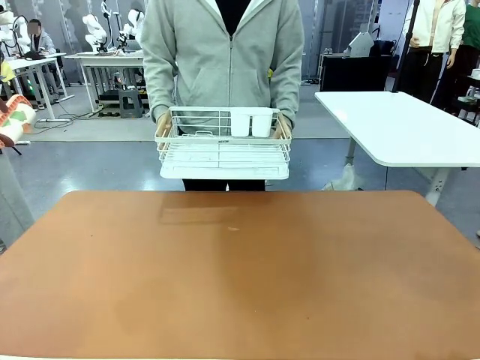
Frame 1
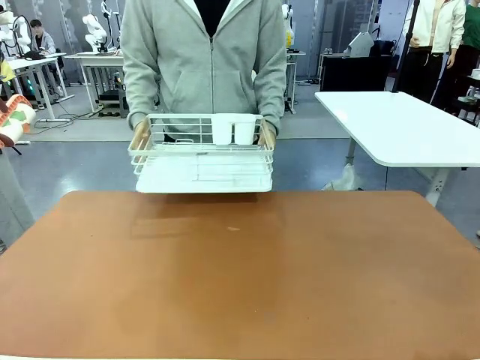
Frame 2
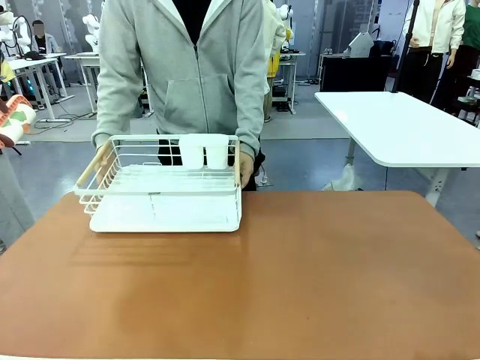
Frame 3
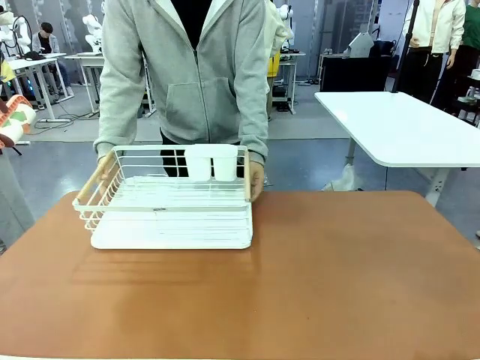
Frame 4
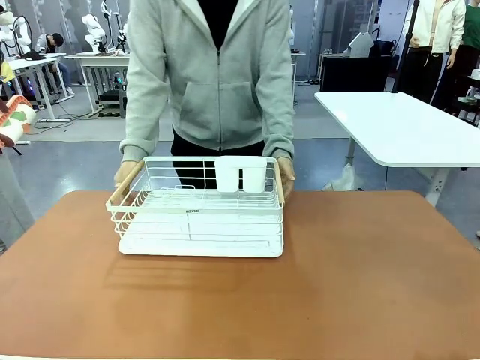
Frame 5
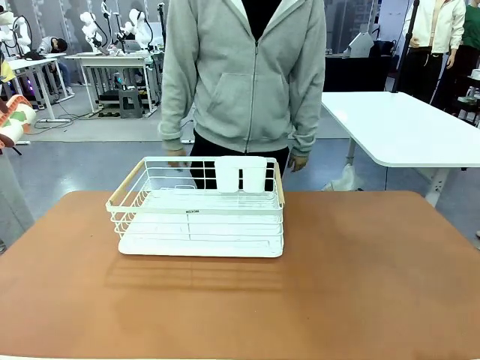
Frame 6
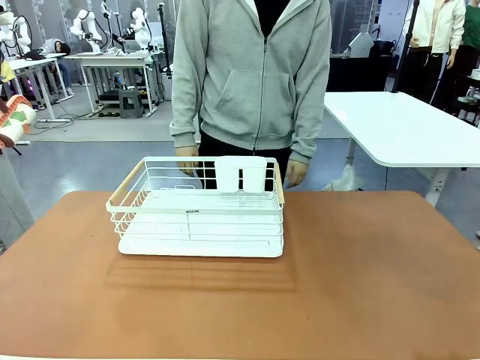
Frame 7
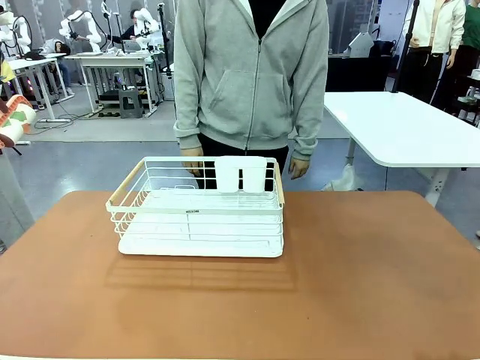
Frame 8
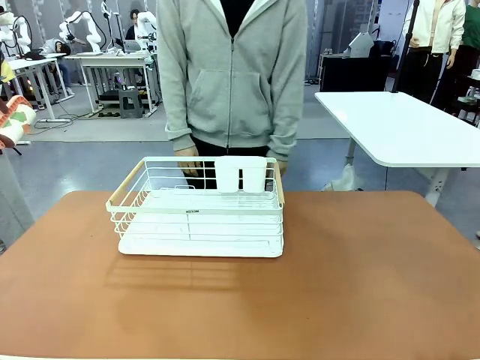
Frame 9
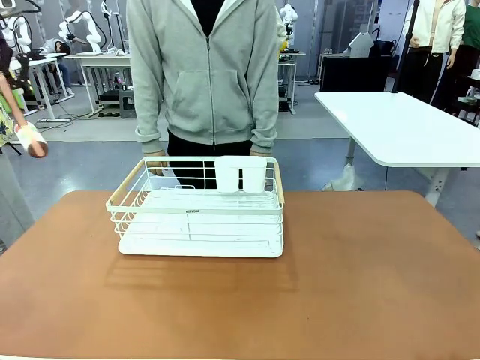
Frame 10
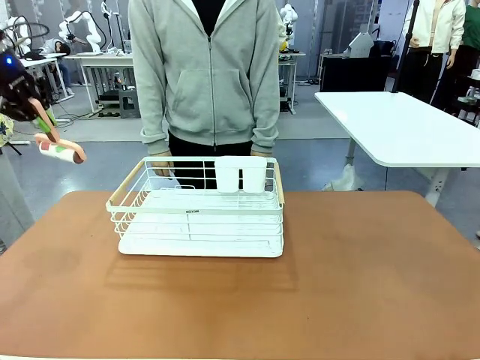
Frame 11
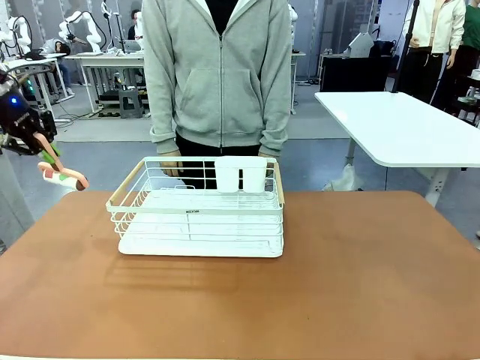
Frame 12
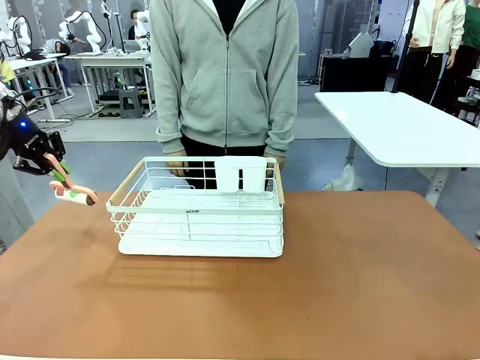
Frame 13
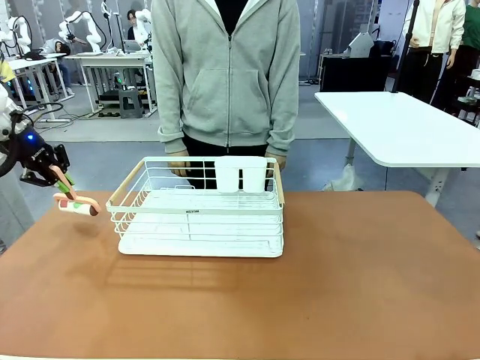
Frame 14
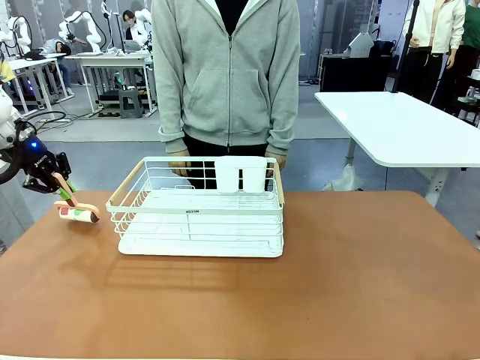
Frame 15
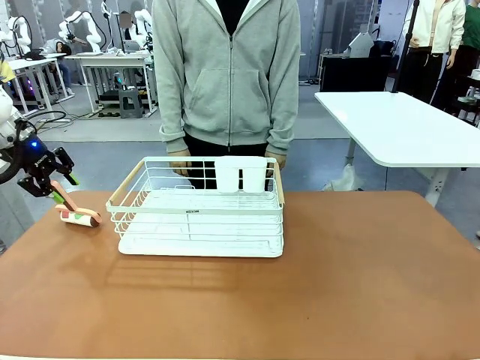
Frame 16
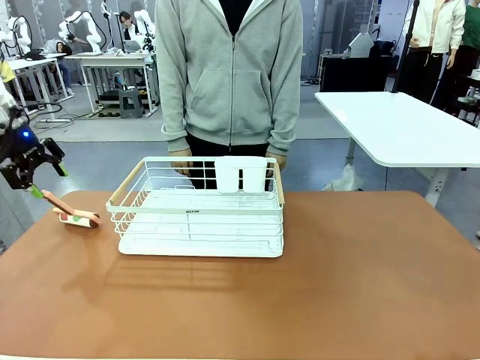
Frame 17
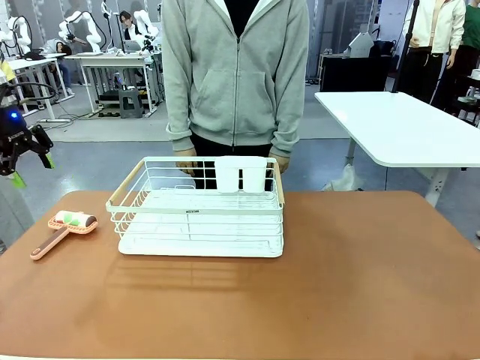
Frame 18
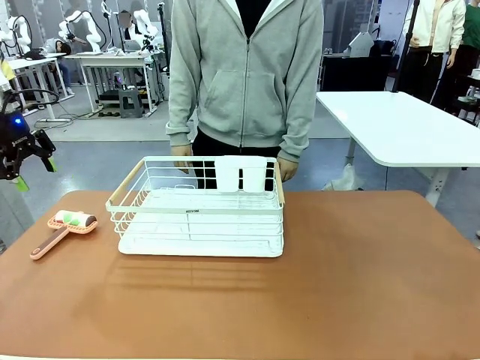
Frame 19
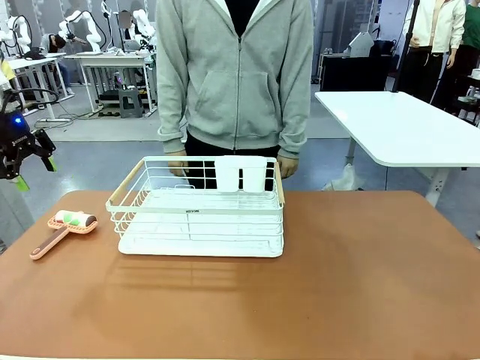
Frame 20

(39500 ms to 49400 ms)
Task: Clean the table.
Robot: Place the Lint Roller down when the Dish drying rack is positioned in the middle of the table.

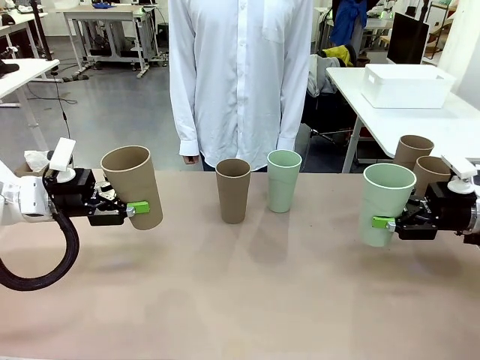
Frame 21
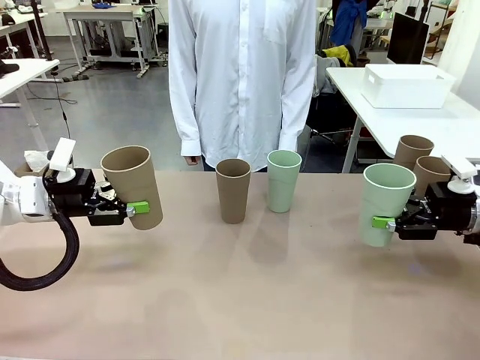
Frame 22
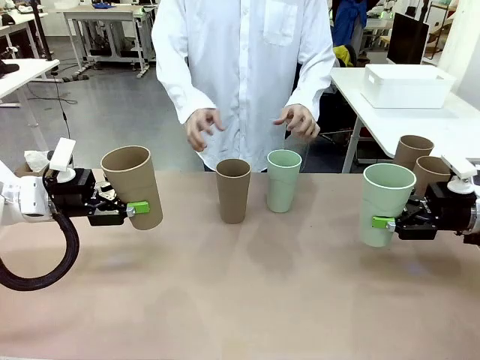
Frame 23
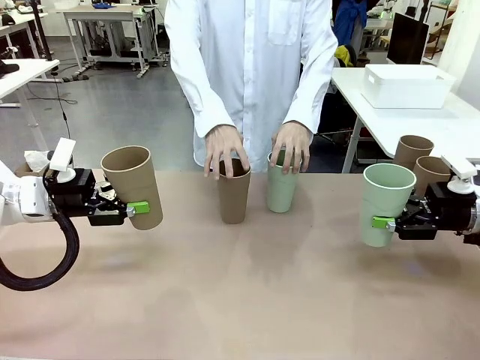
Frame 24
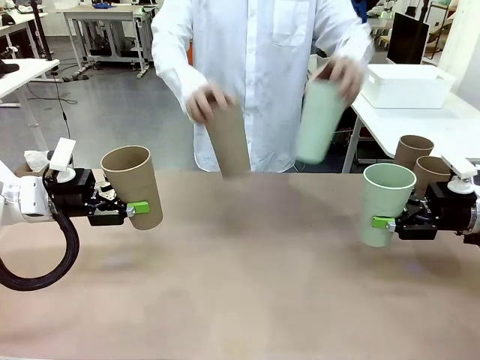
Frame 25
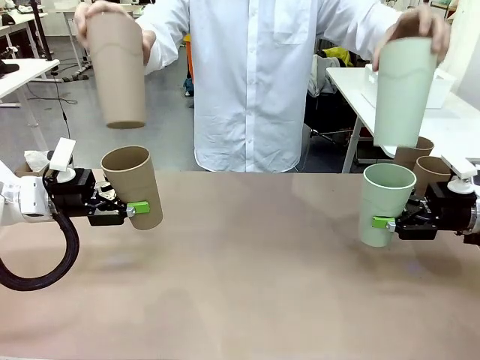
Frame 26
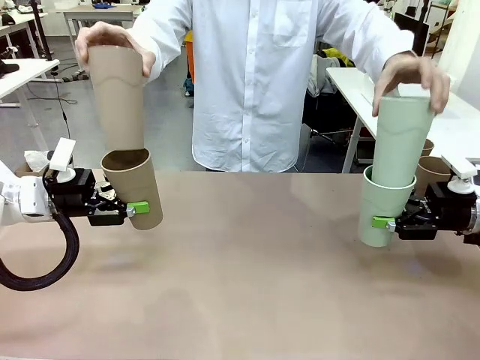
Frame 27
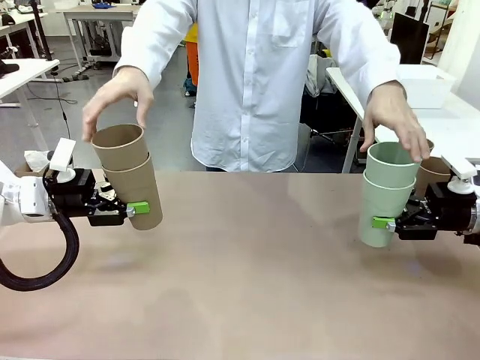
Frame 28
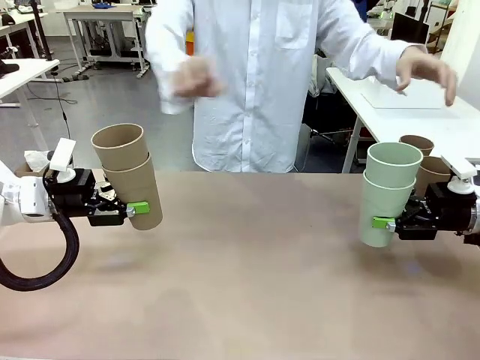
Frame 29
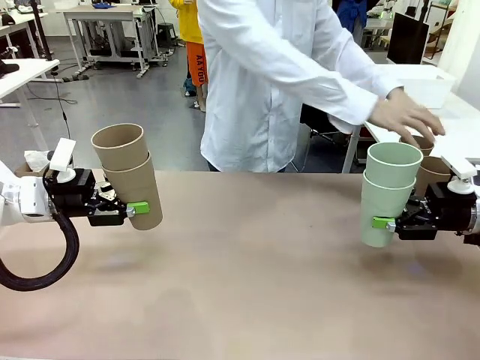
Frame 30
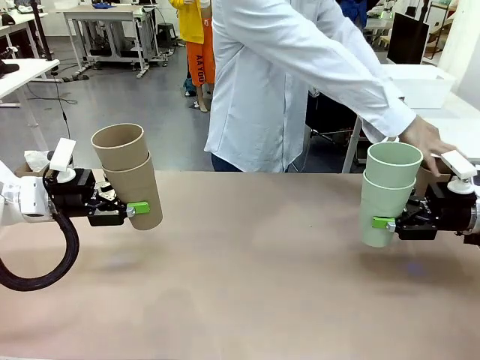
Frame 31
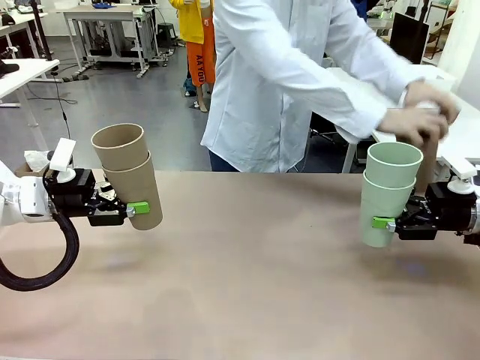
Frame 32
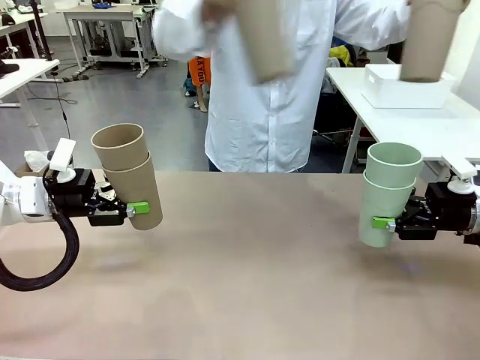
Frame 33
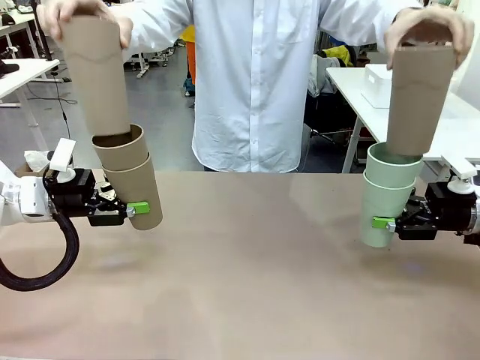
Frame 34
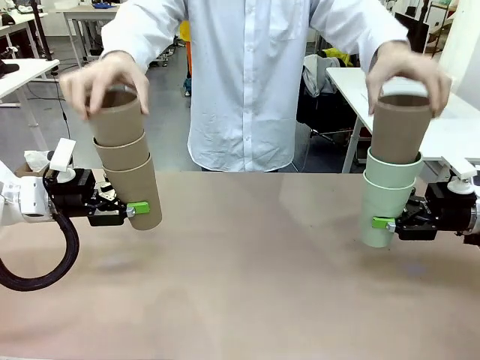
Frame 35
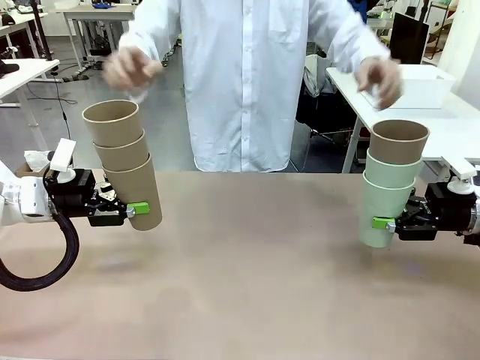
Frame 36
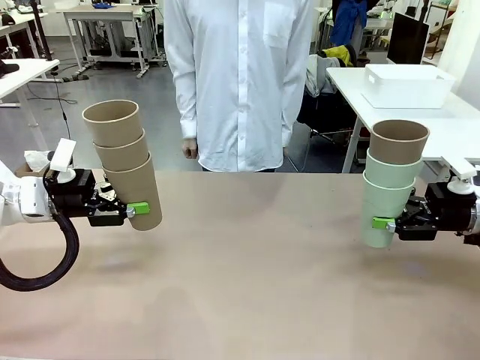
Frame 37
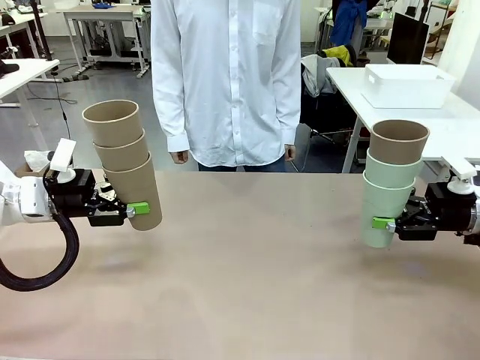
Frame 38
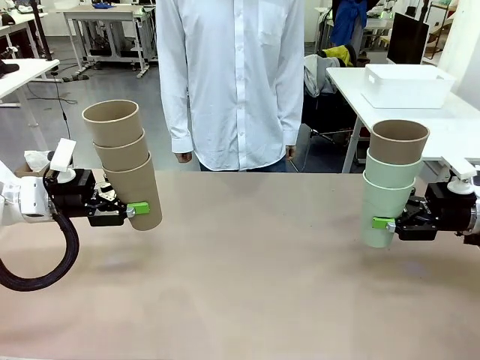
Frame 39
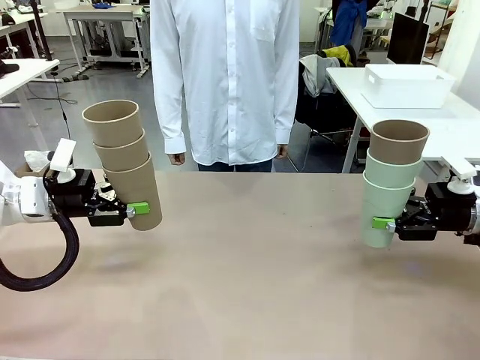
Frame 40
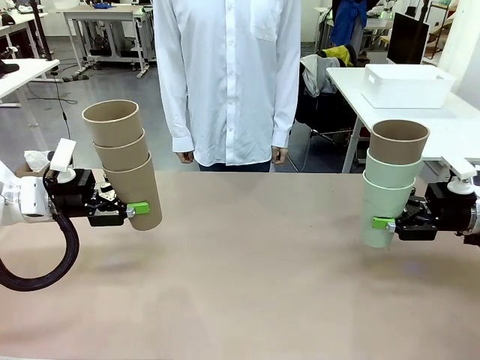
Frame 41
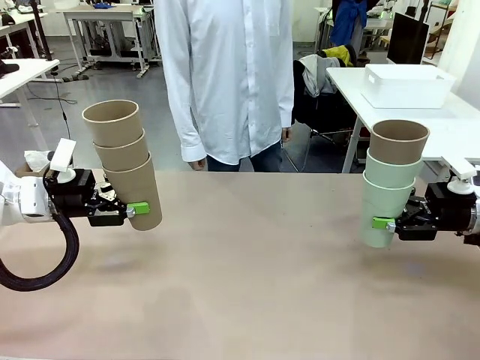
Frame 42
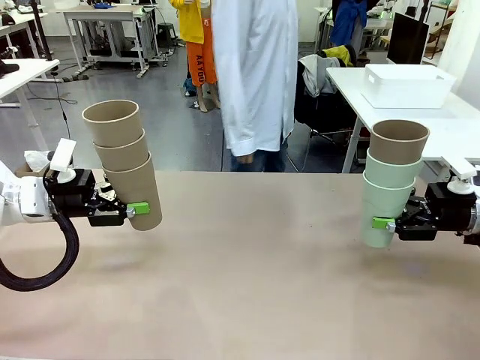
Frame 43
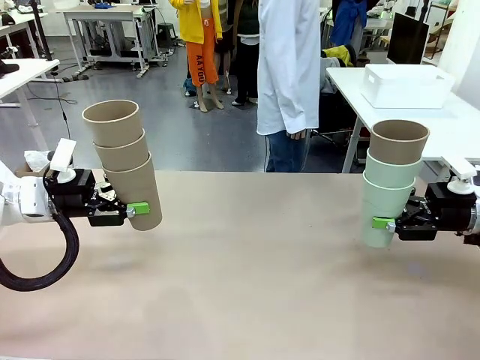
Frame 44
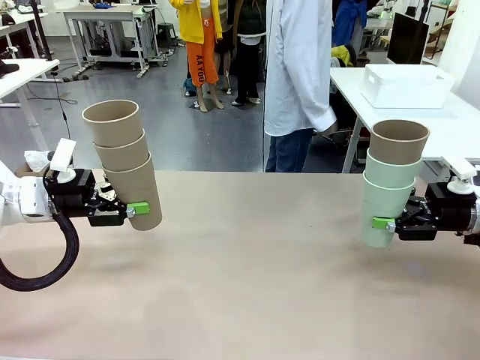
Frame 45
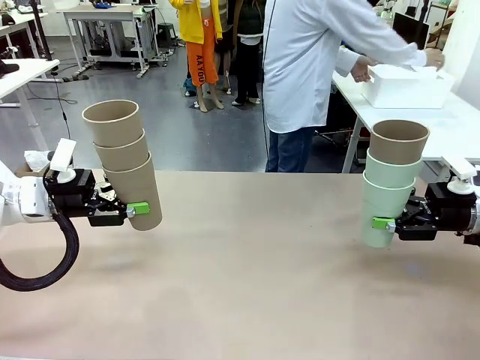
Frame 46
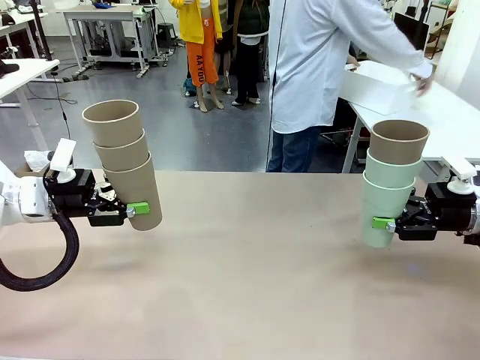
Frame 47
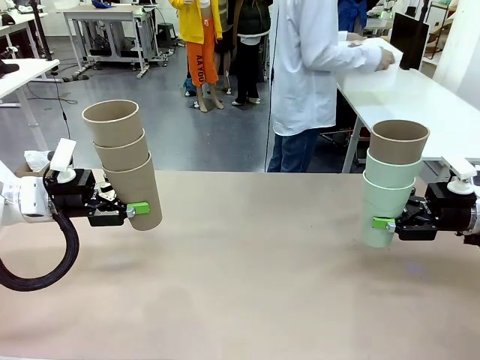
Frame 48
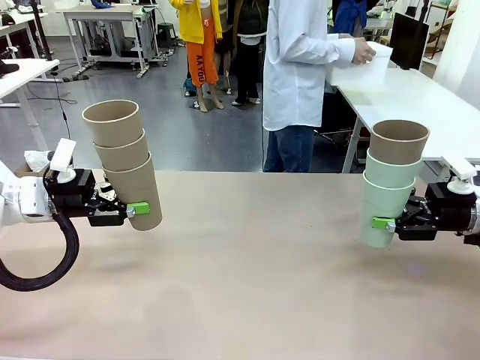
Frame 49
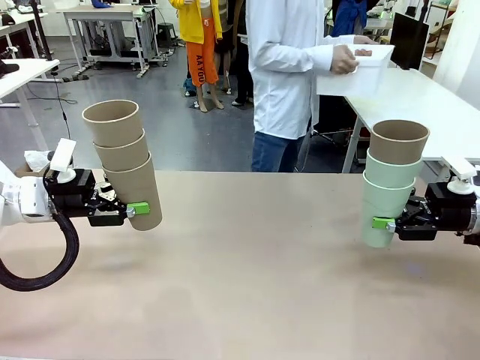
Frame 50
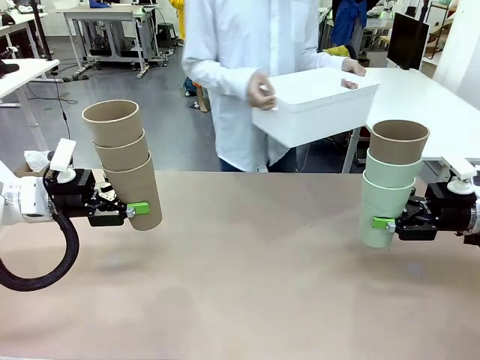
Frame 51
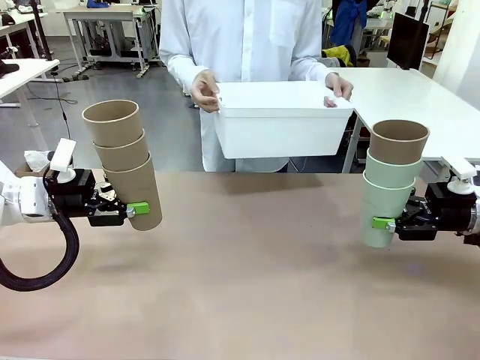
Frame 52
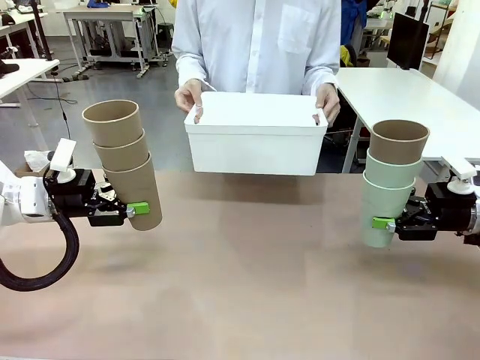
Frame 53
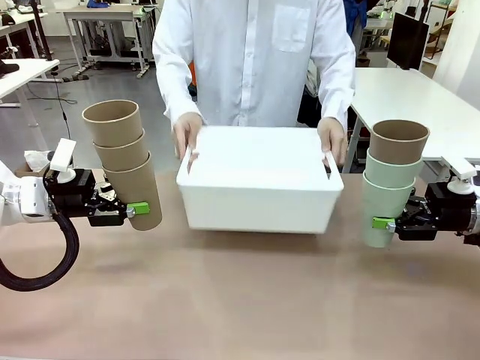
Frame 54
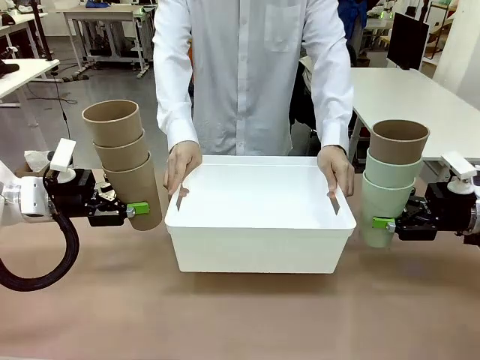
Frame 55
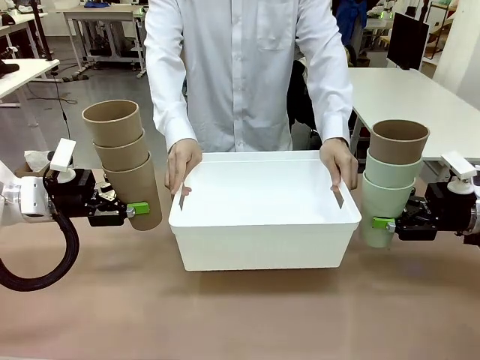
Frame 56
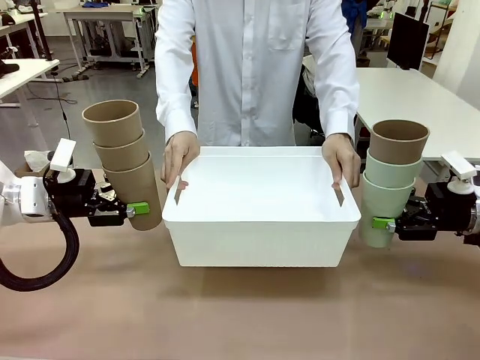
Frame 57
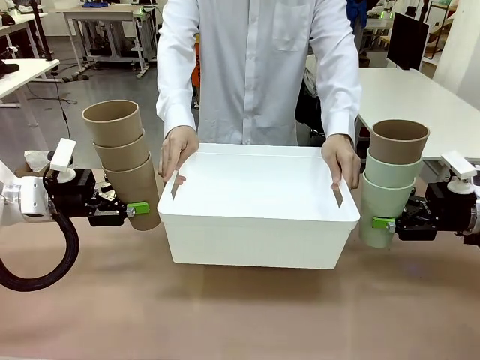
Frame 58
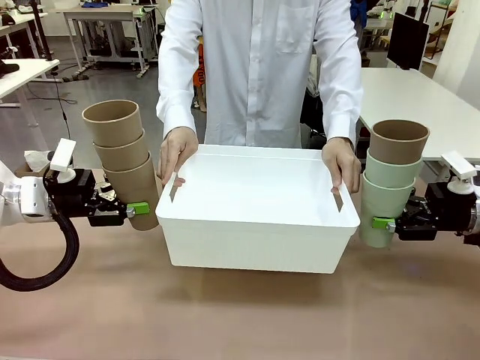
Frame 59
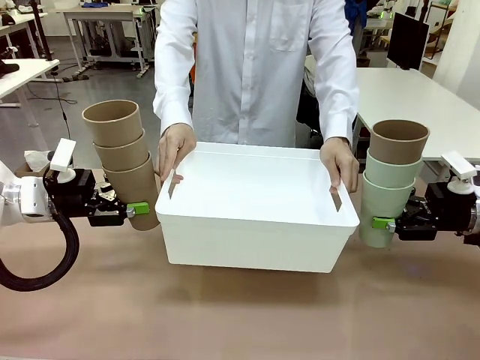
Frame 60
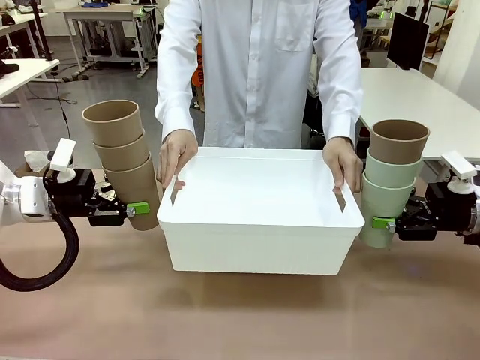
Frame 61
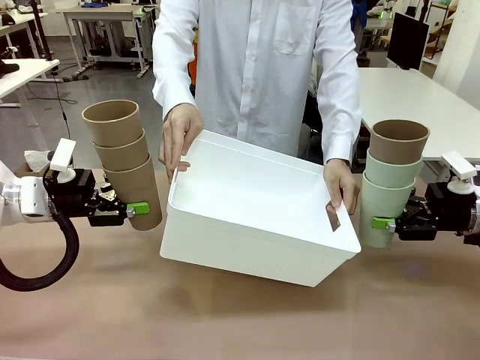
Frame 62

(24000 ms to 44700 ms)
Task: Stack the cups and store them in the basket.
Robot: Place the stack of Reusable plastic cups into the Pantry Basket.
Person: Pick up the basket from the Human Table, bring it to the front of the robot, and present it.
